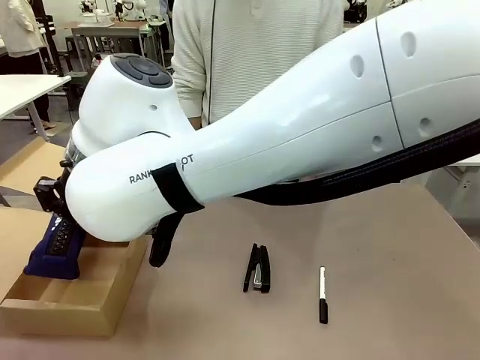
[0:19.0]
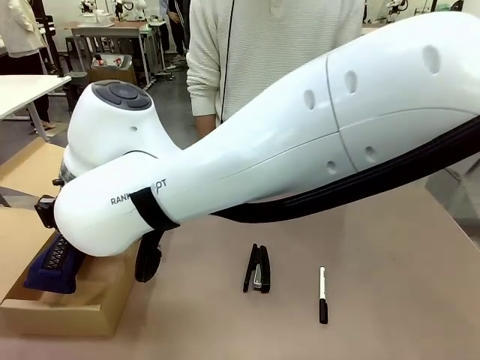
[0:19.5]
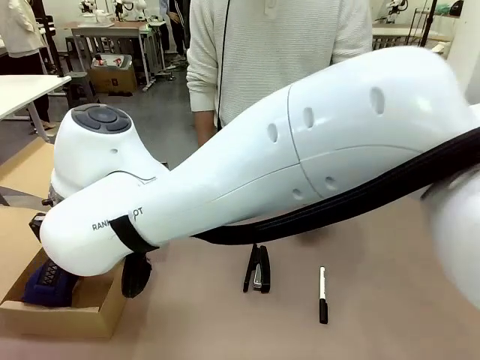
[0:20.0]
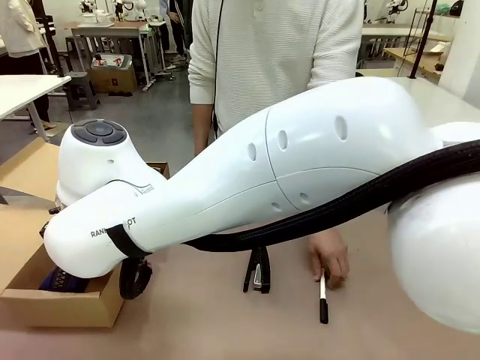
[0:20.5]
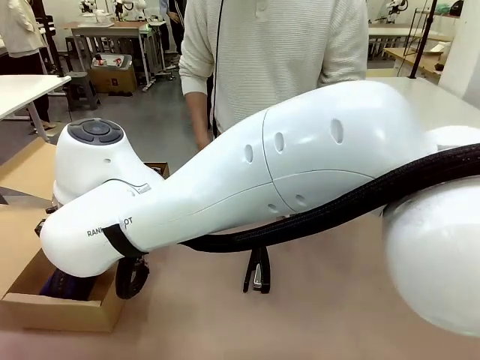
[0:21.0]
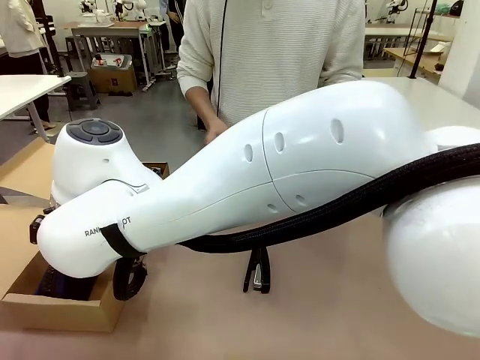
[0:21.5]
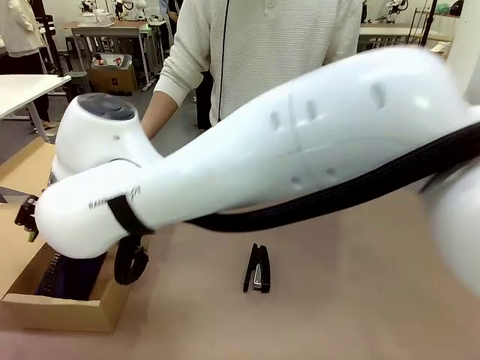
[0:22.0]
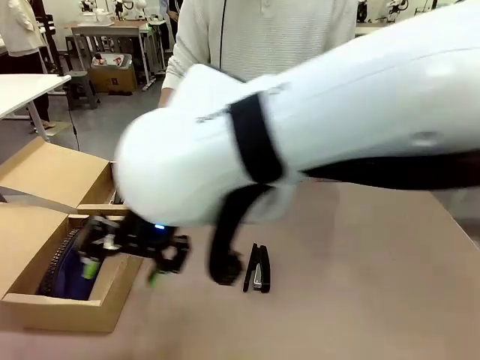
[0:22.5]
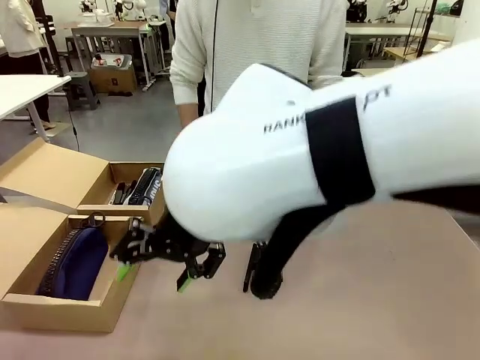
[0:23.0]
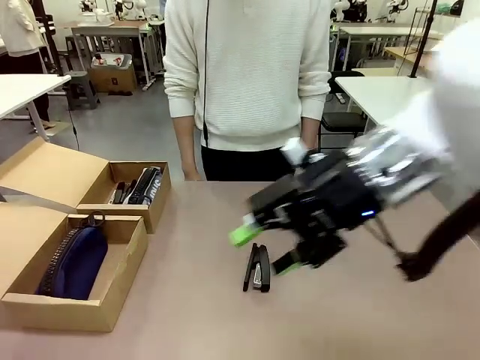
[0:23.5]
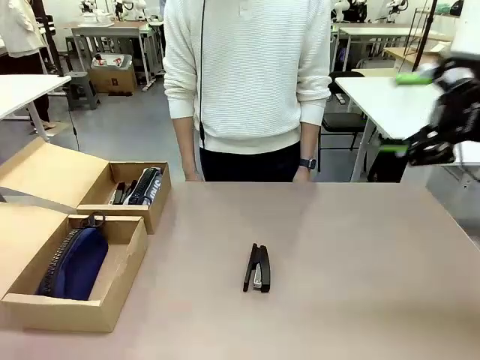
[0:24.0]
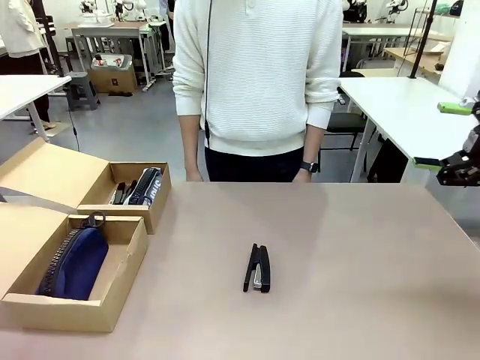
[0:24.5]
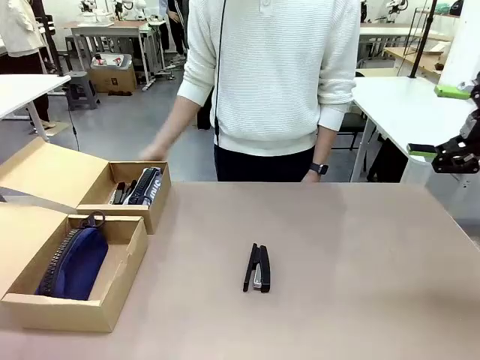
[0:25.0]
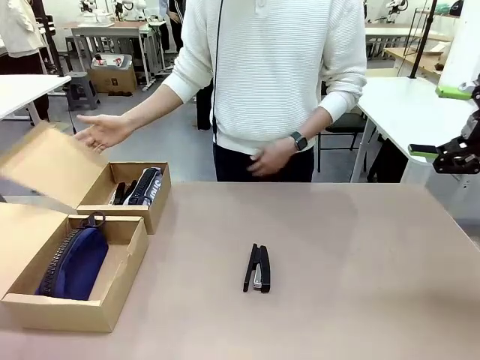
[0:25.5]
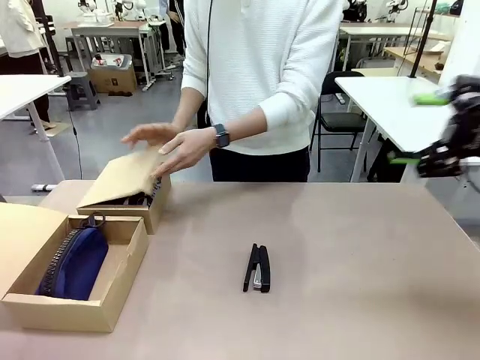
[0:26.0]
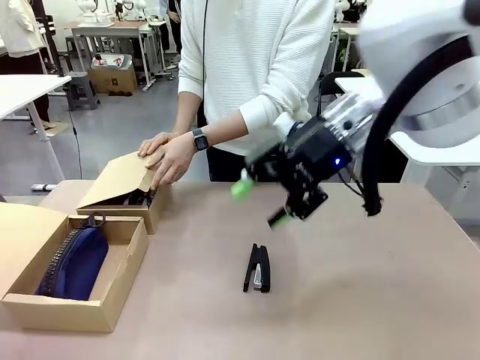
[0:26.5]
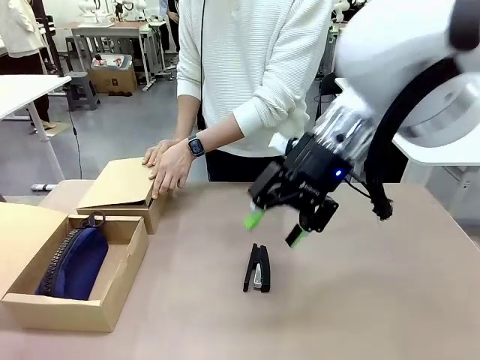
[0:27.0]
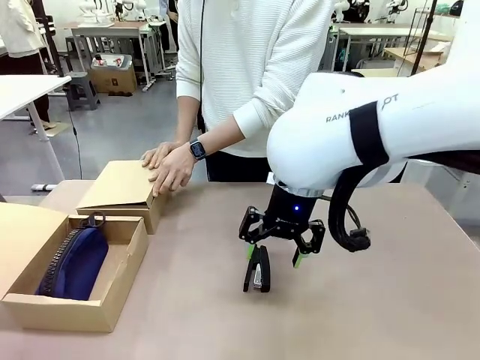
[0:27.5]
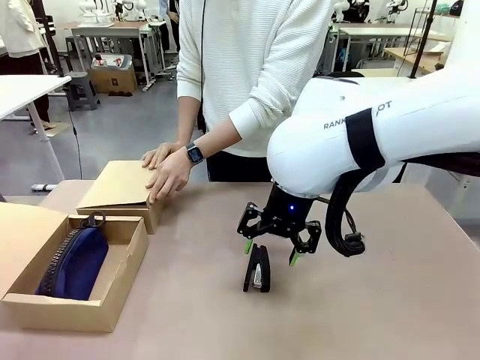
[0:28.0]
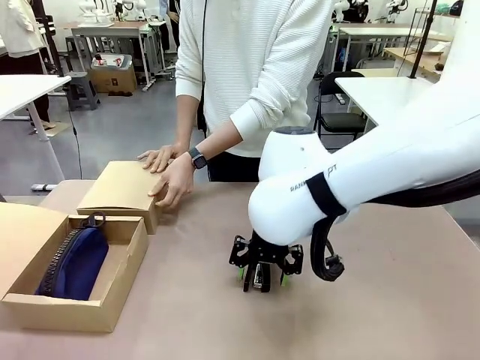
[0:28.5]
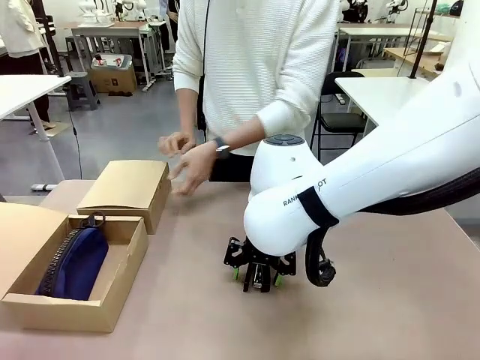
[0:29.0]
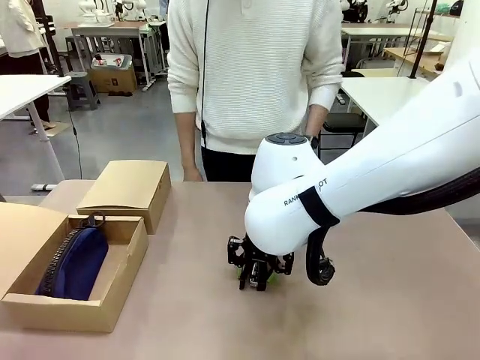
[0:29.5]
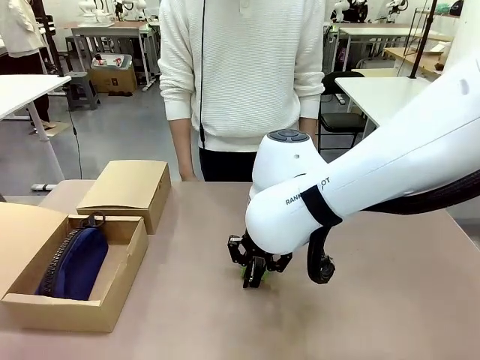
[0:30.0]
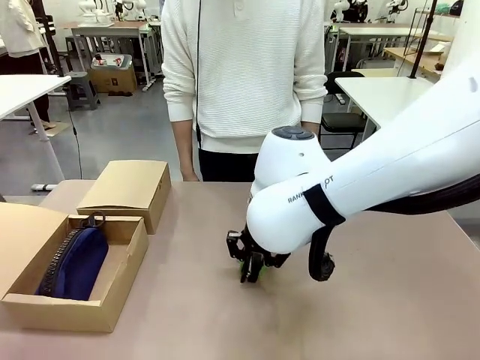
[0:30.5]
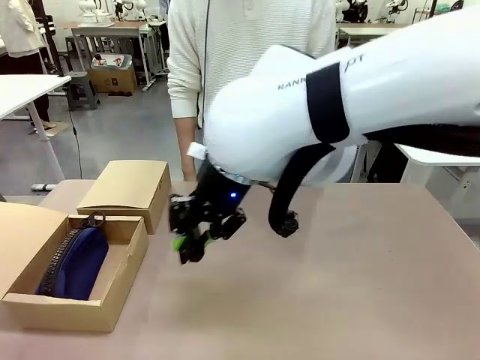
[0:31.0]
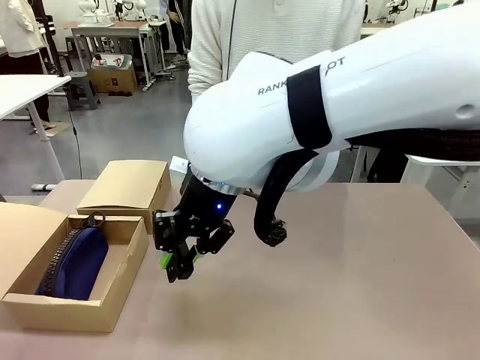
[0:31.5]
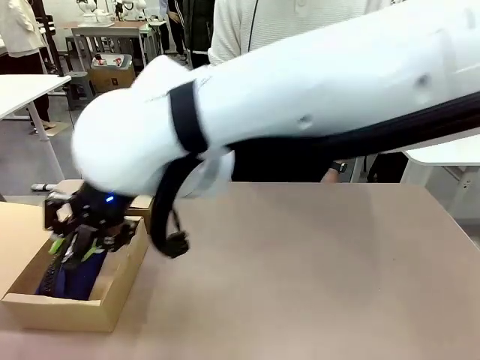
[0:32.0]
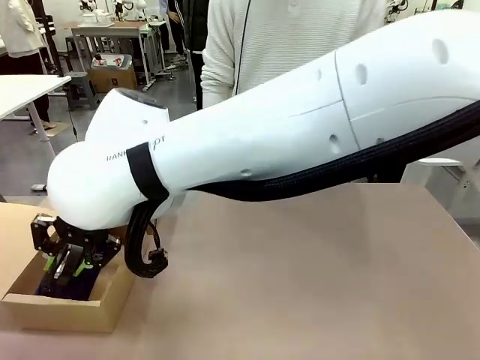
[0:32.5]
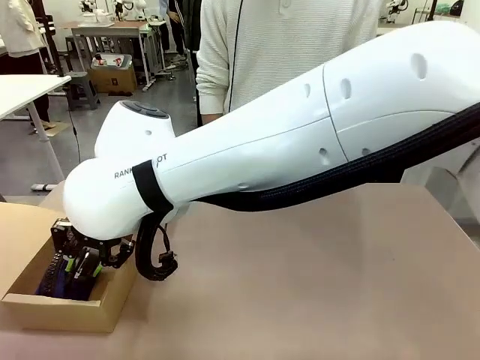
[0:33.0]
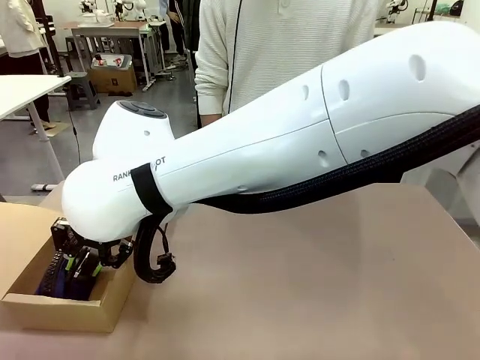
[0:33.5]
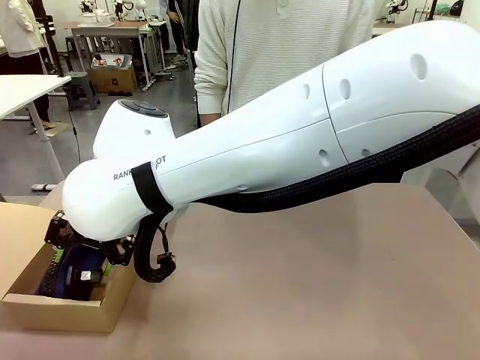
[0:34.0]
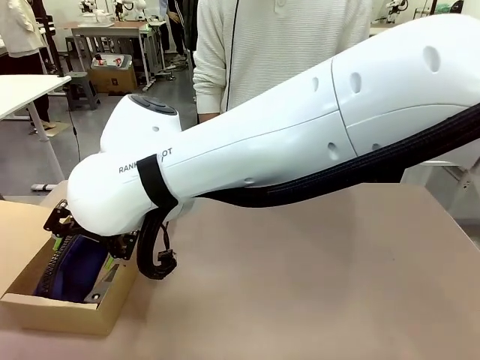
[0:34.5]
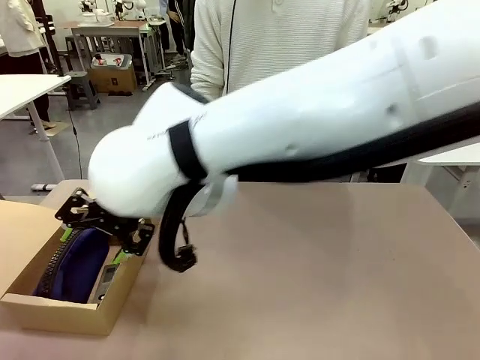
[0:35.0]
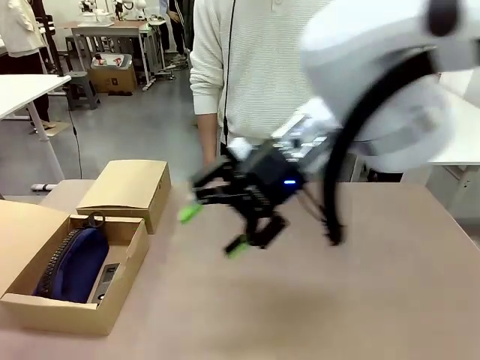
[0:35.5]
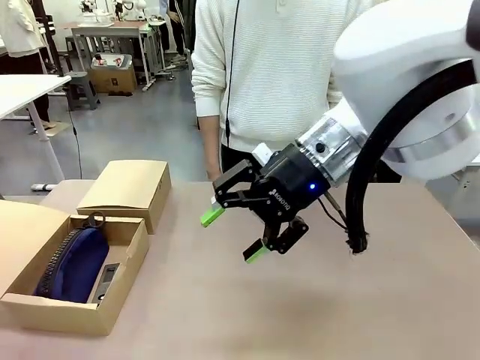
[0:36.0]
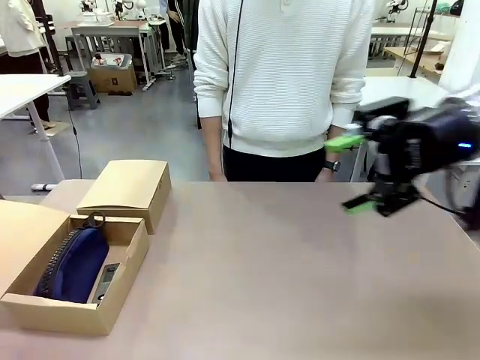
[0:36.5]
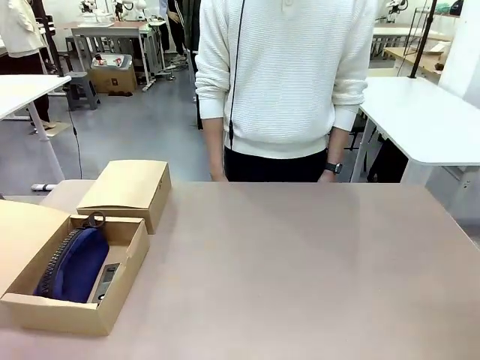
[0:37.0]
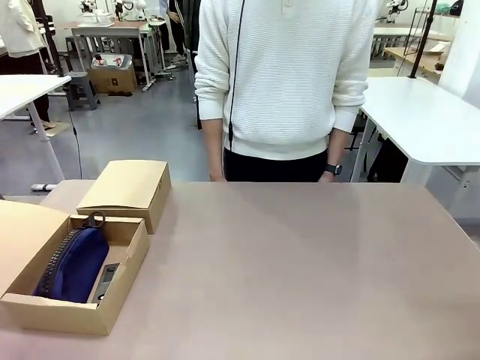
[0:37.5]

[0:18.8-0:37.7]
Task: Place items inside the box.
Robot: Pick up a Pencil pouch or Stapler and place it inside the Mailer Box closest to the robot.
Person: Close the lid of the box facing the person.

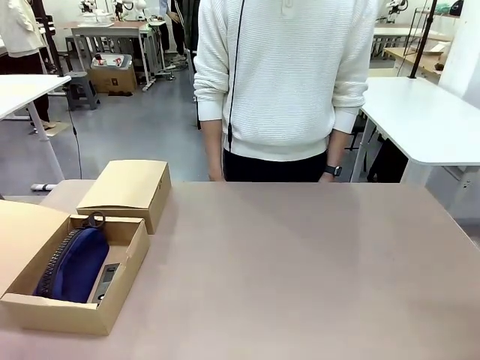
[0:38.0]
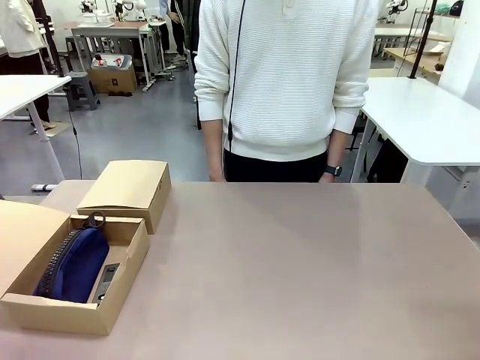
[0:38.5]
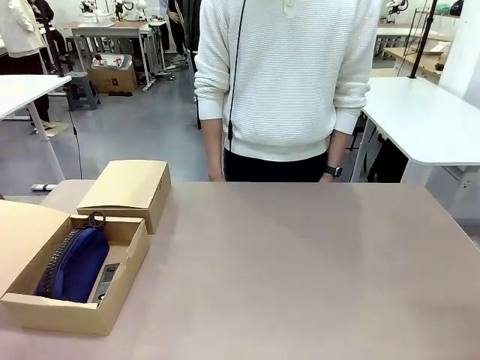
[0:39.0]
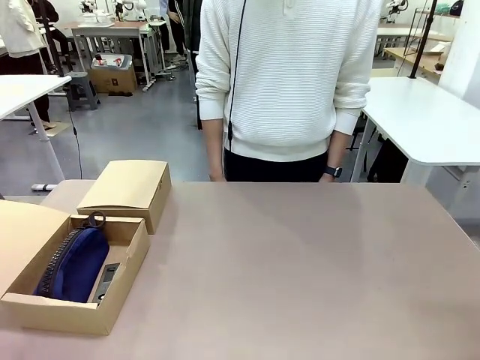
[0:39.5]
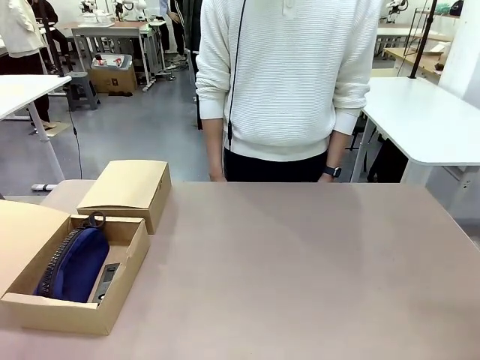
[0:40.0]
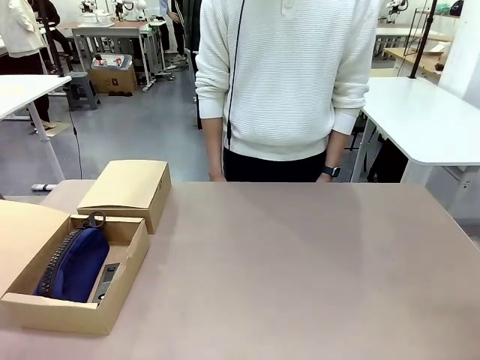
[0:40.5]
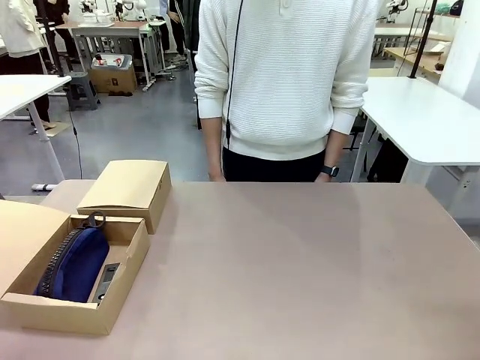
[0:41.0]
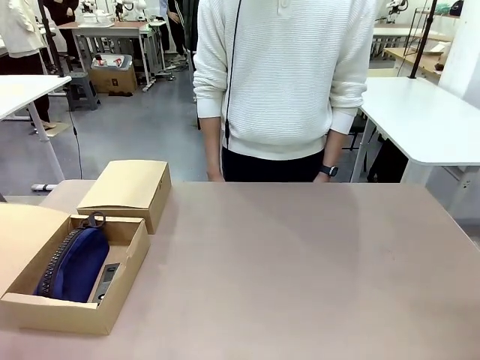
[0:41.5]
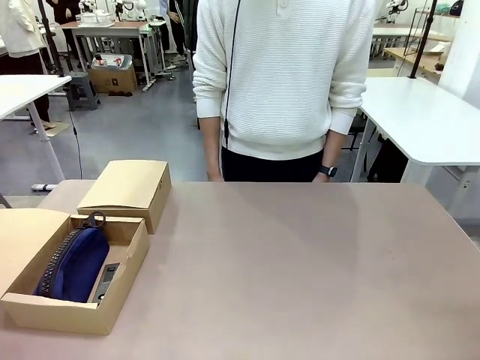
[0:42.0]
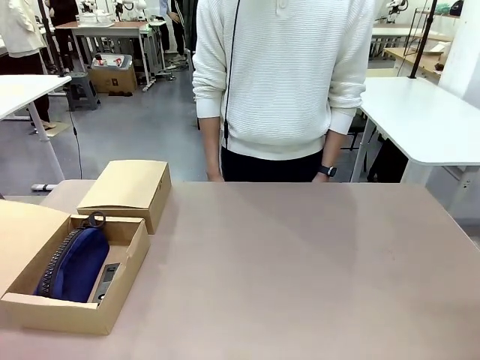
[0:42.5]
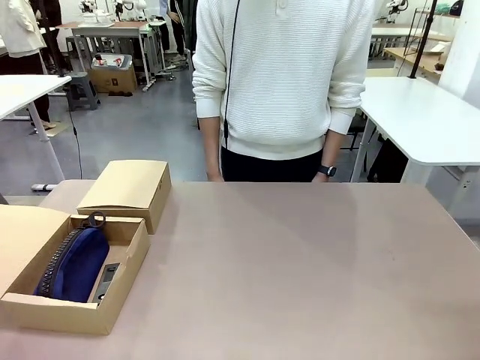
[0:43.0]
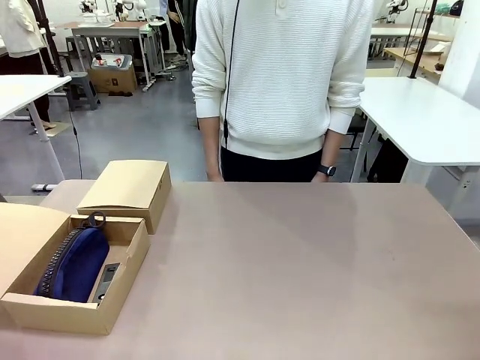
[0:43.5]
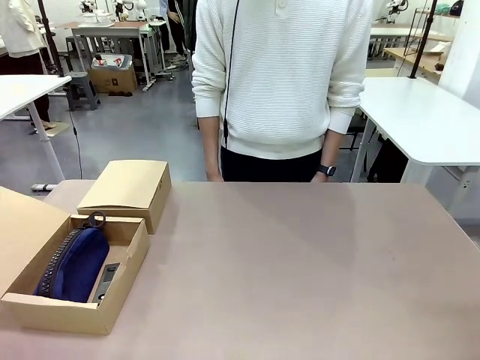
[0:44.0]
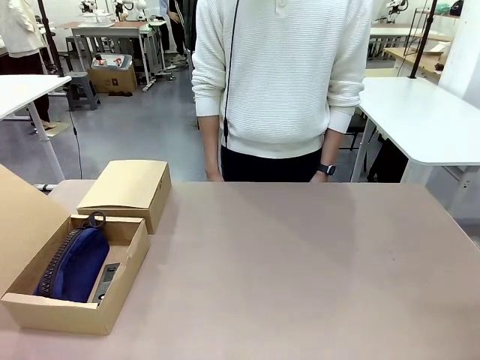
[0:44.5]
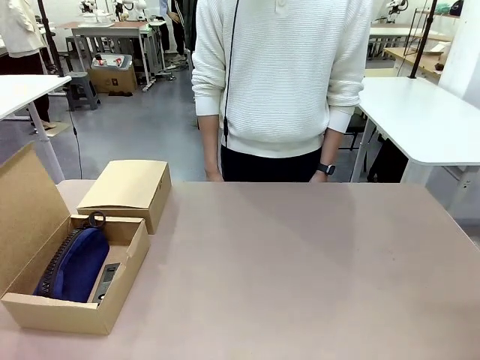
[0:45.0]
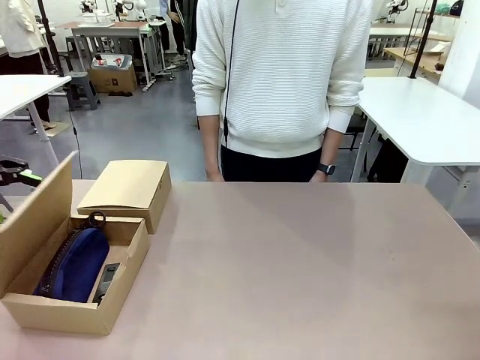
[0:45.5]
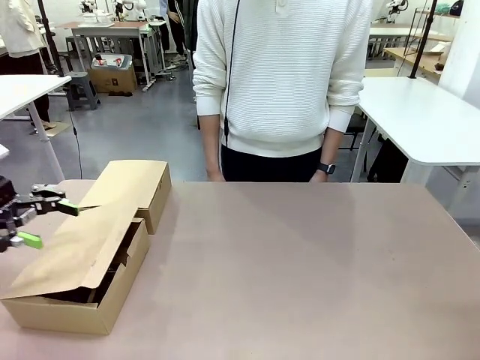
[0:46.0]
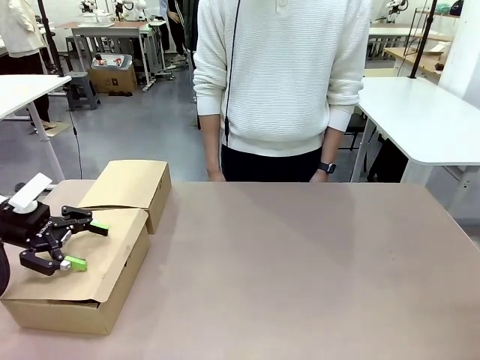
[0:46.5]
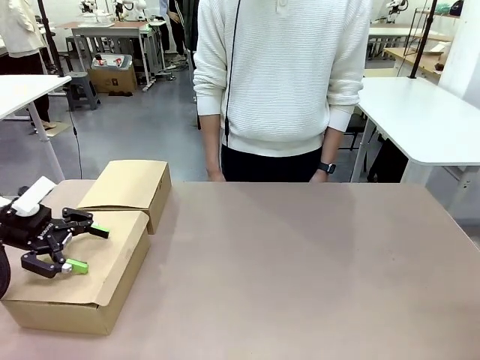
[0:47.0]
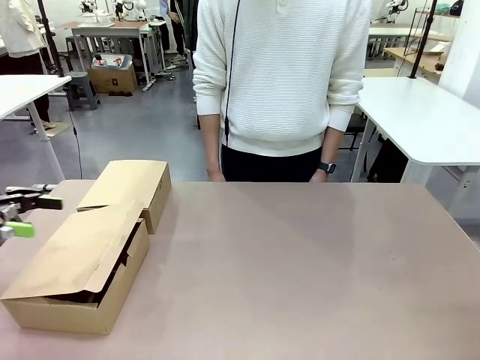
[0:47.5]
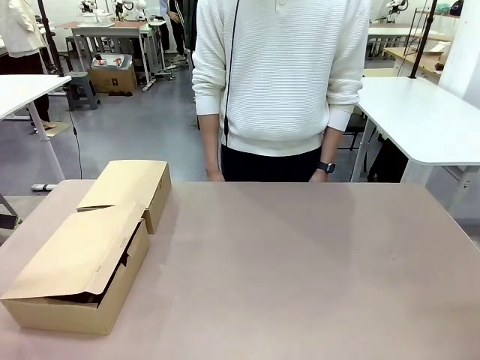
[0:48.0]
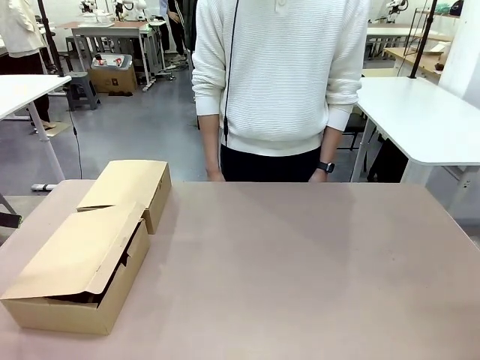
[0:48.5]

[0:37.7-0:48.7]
Robot: Close the lid of the Mailer Box closest to the robot.
